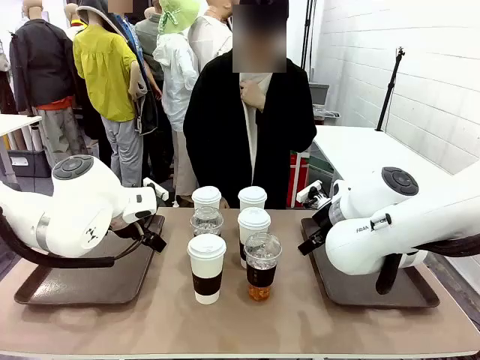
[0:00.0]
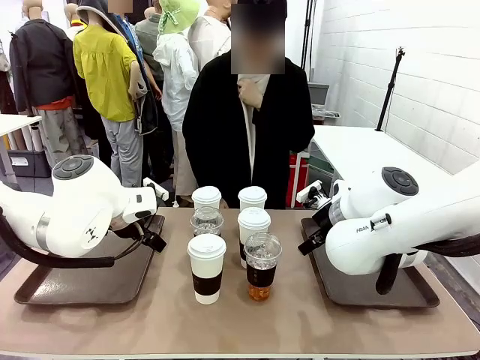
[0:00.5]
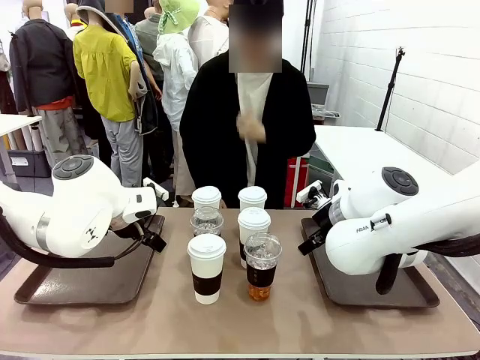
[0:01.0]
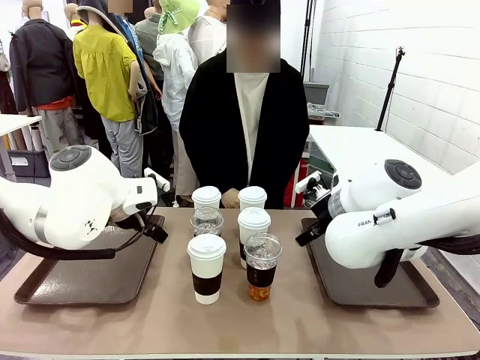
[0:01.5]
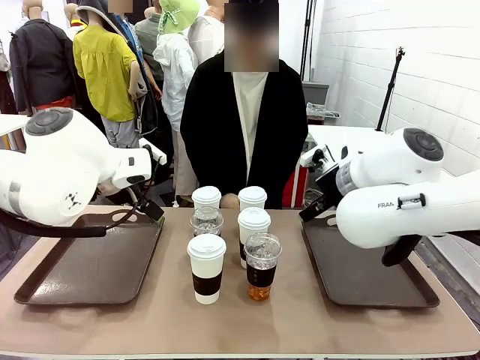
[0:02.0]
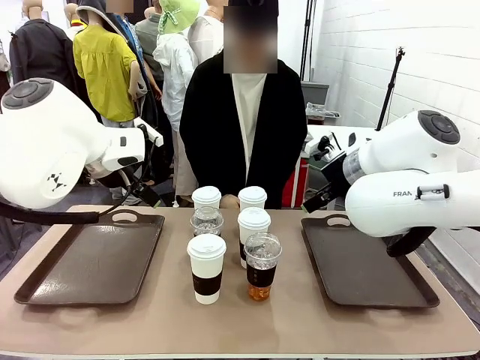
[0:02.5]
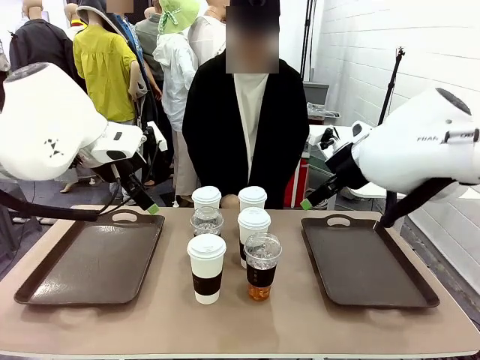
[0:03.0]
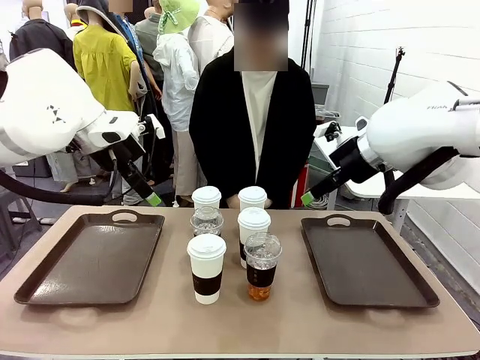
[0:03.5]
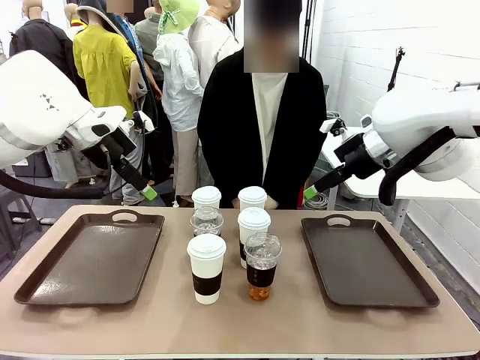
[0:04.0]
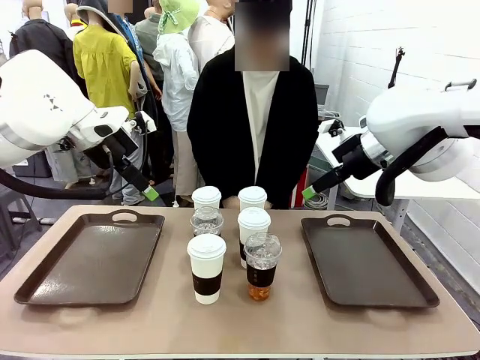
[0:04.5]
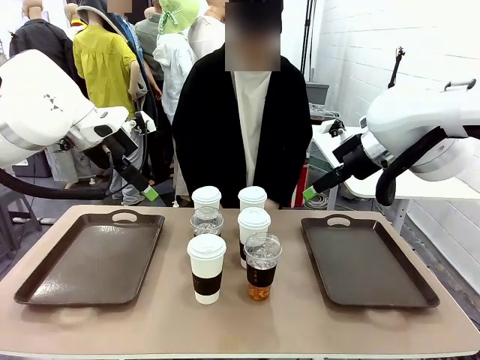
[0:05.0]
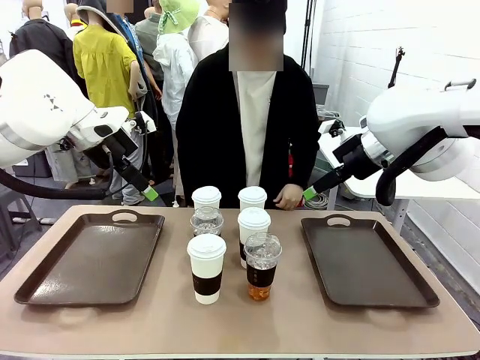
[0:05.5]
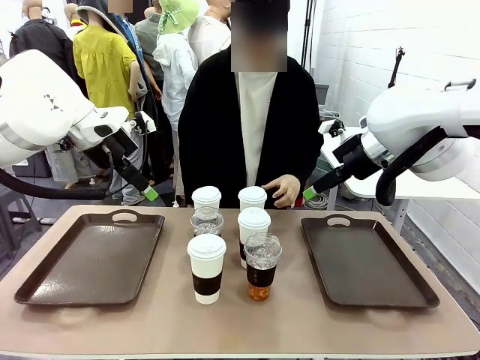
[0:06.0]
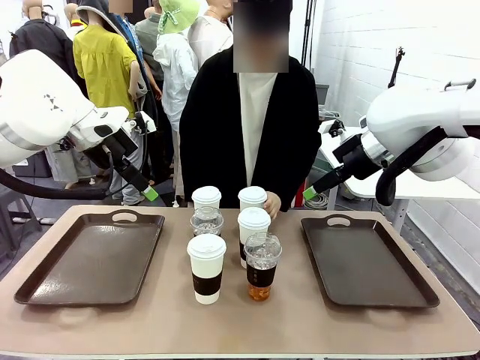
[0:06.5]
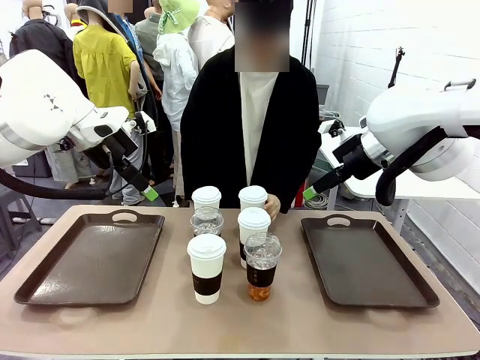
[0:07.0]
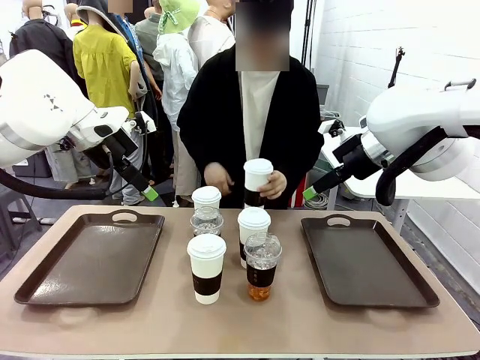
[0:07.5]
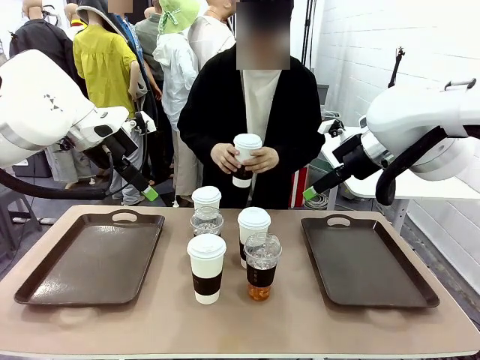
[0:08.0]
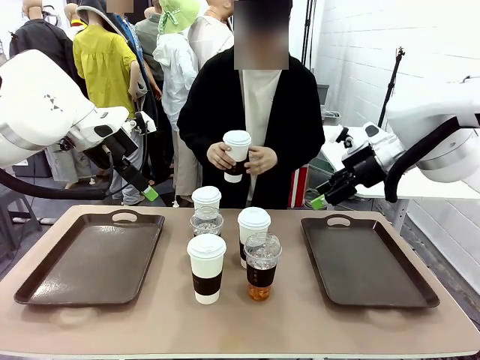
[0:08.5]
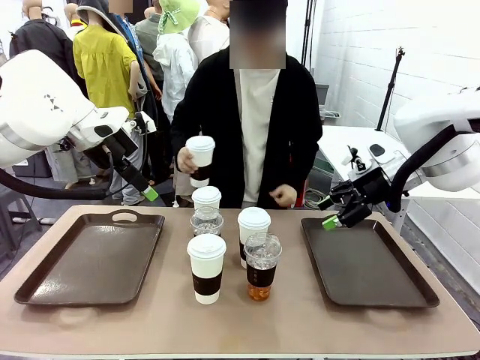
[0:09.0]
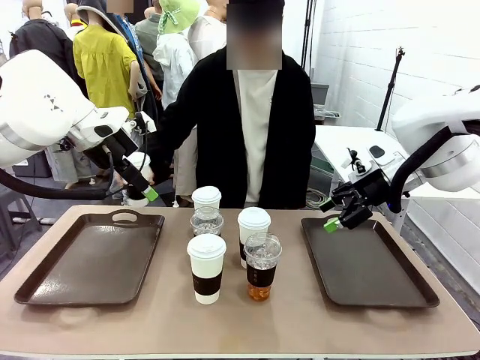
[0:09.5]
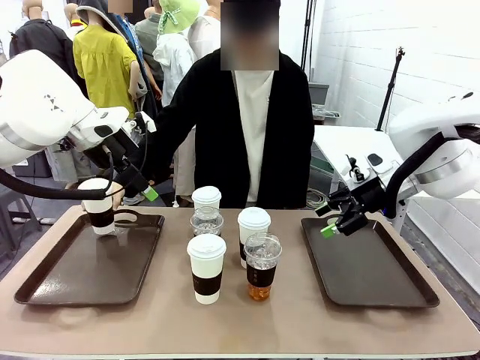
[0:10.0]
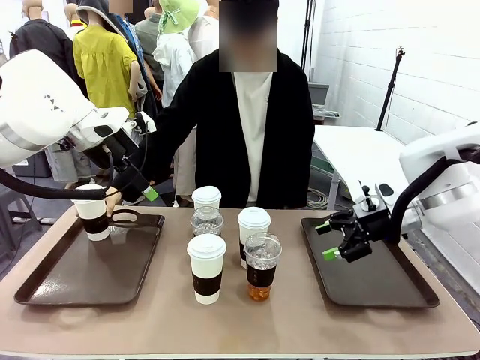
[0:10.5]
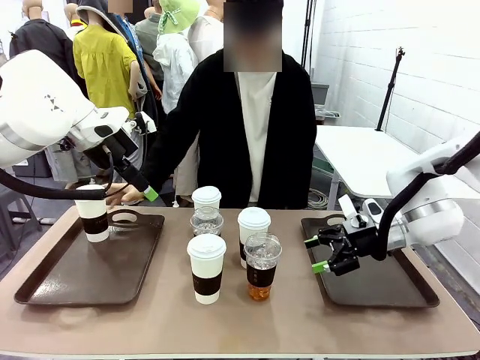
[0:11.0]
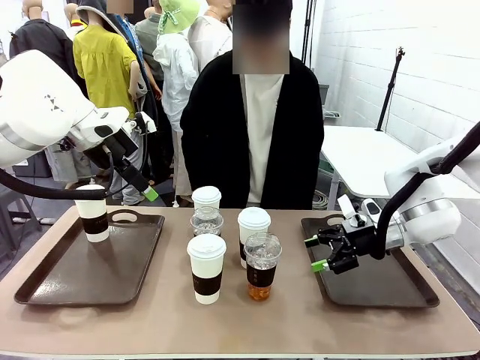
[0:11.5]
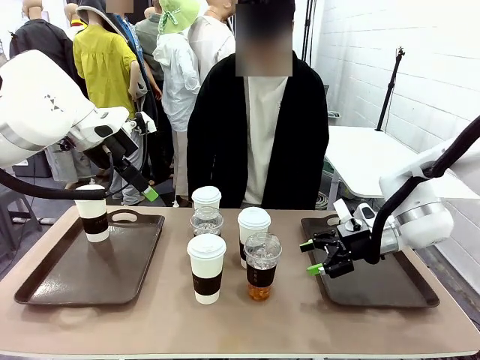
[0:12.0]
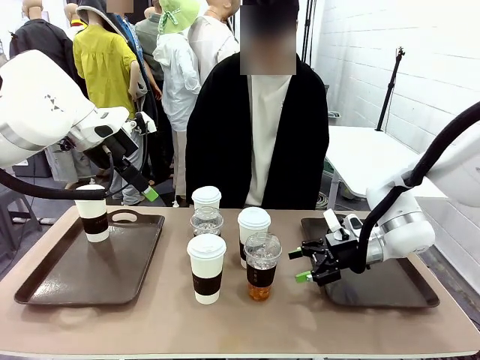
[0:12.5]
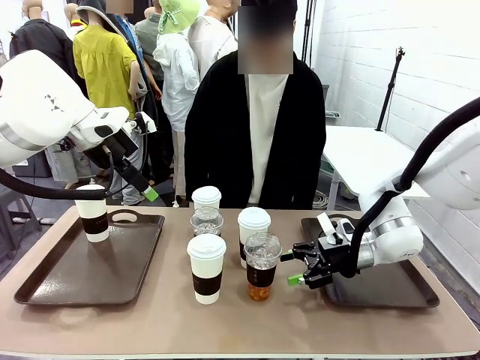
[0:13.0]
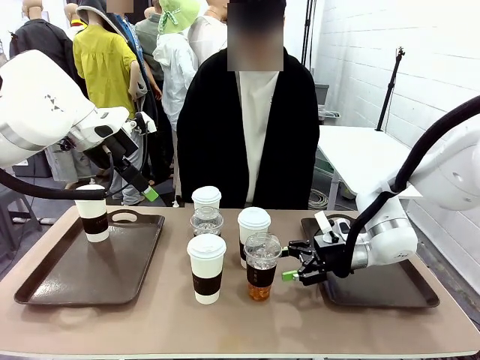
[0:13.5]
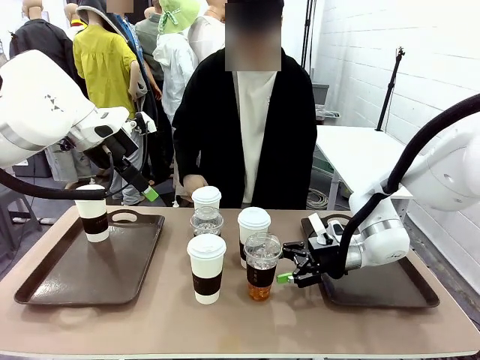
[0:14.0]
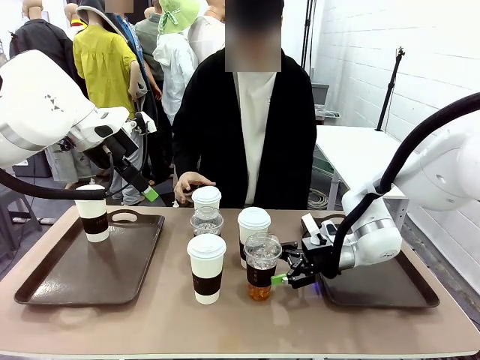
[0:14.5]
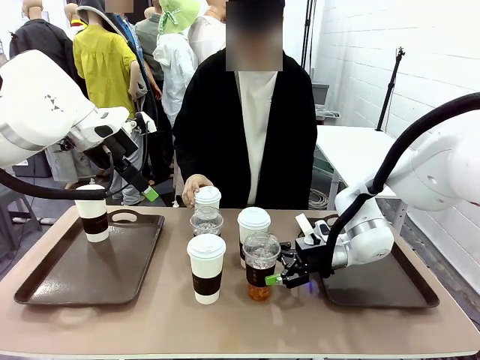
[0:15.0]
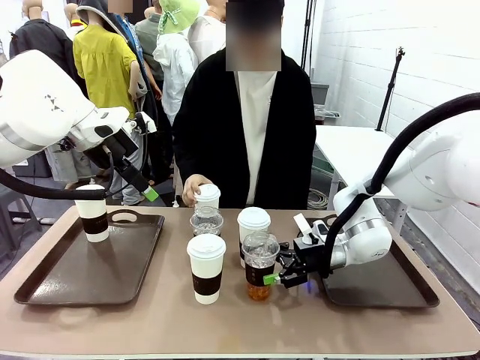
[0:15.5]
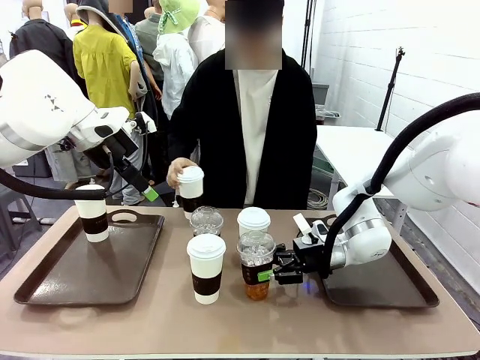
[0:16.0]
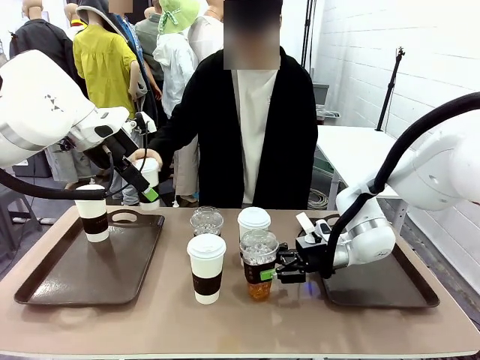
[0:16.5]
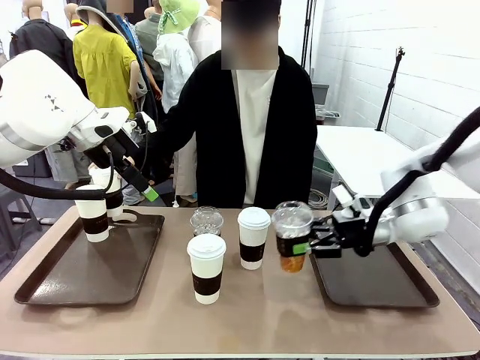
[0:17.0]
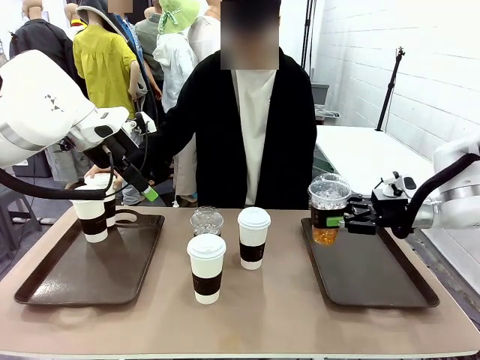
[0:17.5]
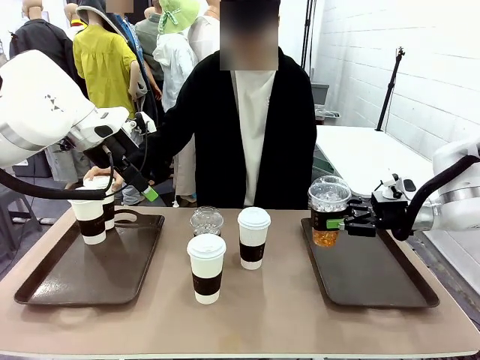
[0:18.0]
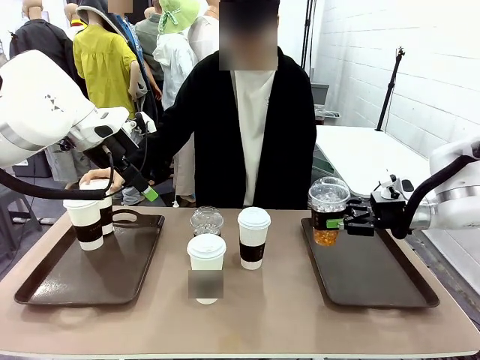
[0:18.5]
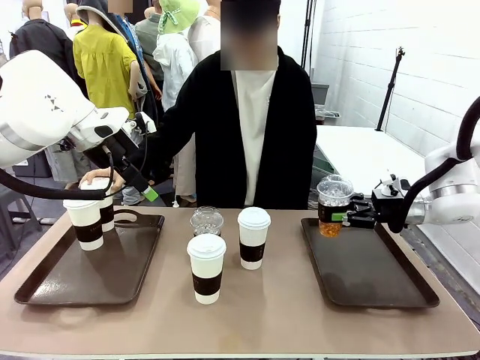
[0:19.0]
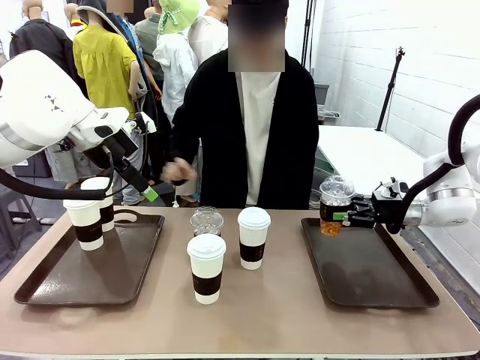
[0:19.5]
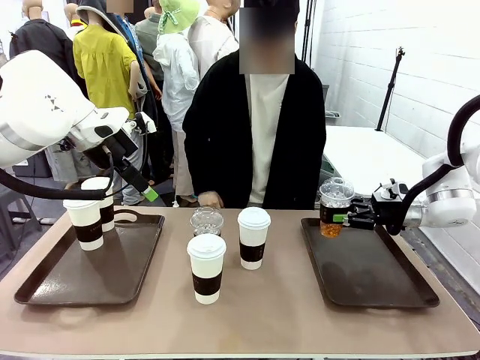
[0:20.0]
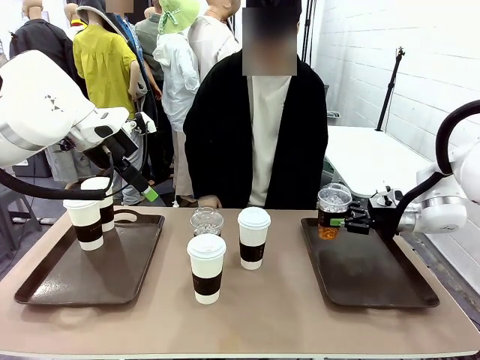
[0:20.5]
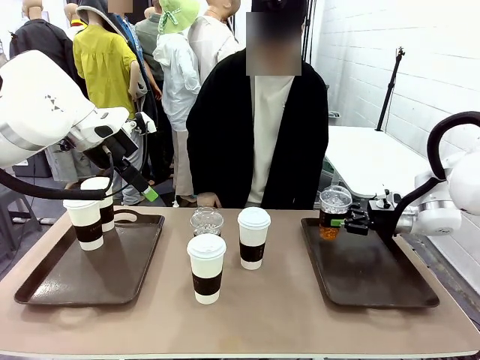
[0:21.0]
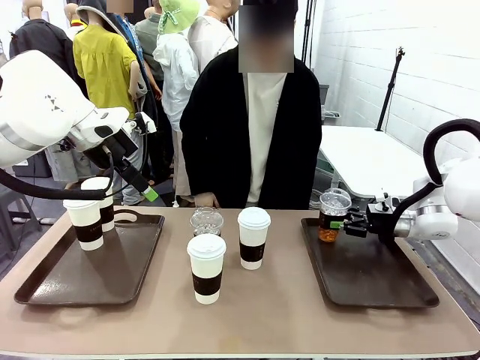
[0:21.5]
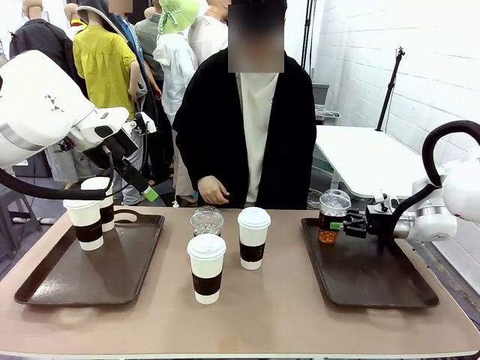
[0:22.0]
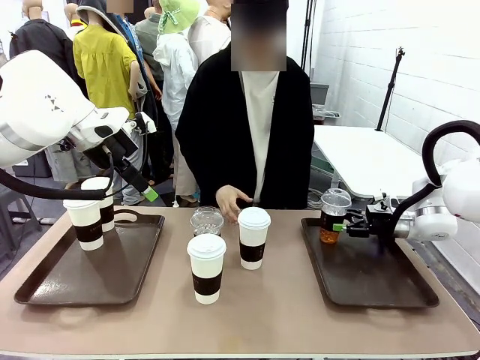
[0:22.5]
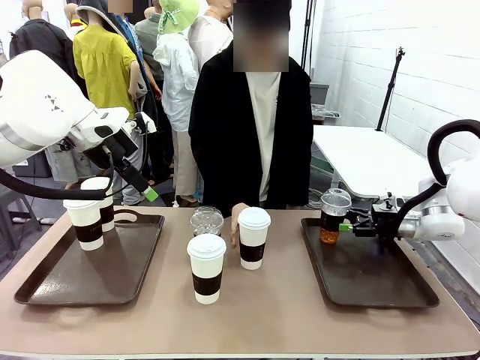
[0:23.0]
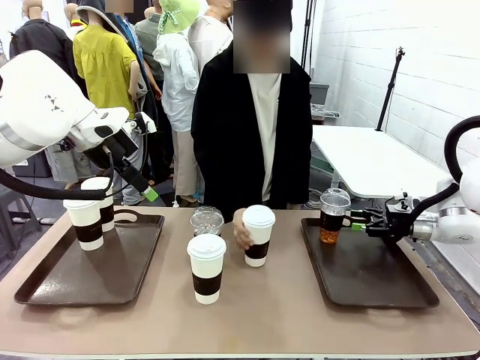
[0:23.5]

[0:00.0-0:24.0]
Task: Distribute the coffee onto the tray.
Robot: Pick up one iced Americano and place it on the right Handle tray.
Person: Pick up a cup of hot Americano and place it on the right tray.
